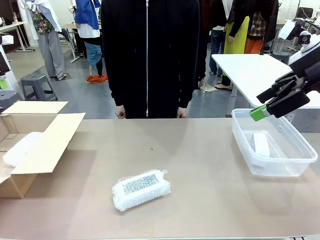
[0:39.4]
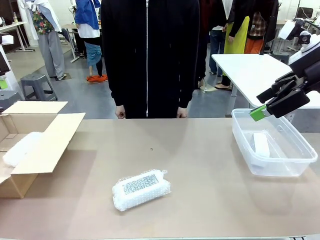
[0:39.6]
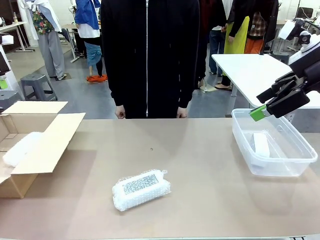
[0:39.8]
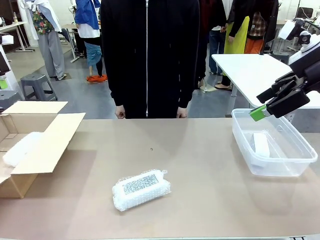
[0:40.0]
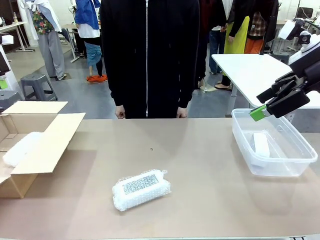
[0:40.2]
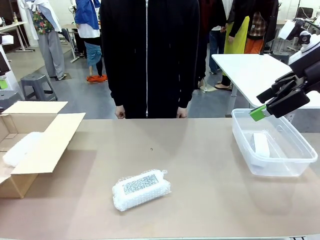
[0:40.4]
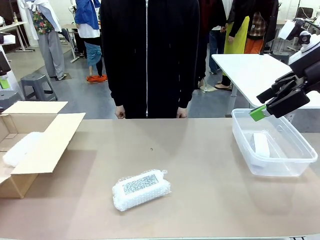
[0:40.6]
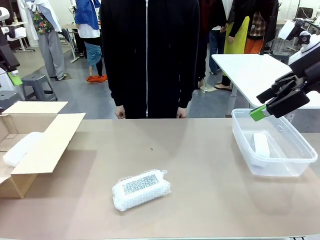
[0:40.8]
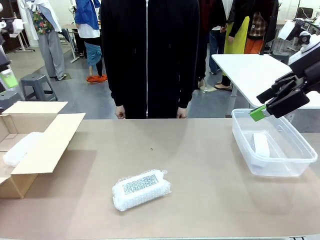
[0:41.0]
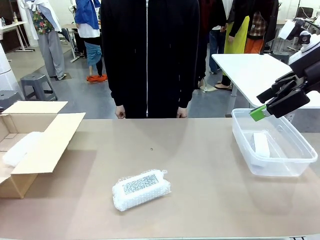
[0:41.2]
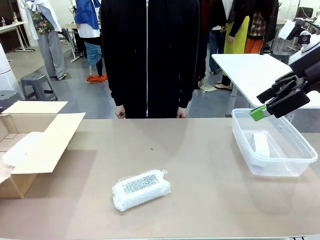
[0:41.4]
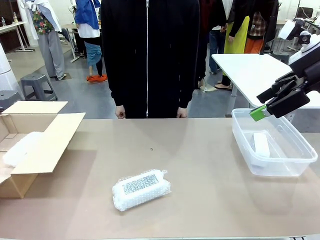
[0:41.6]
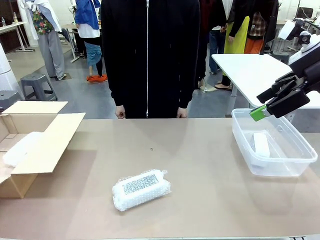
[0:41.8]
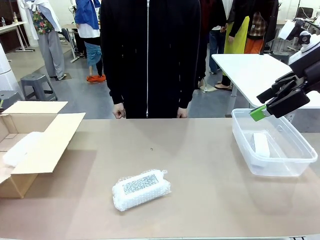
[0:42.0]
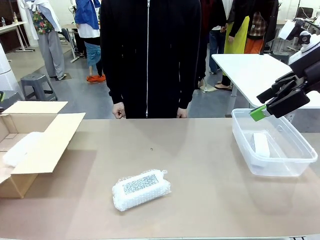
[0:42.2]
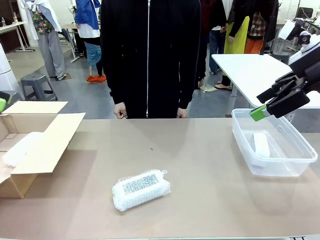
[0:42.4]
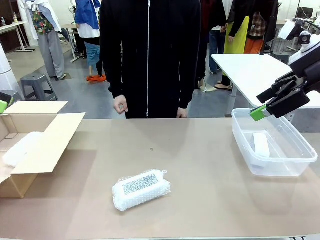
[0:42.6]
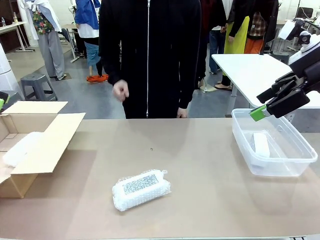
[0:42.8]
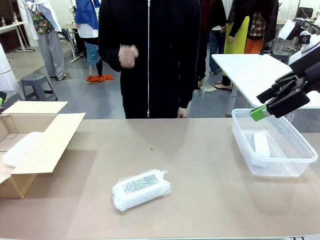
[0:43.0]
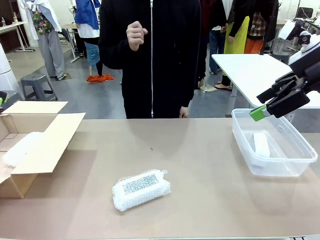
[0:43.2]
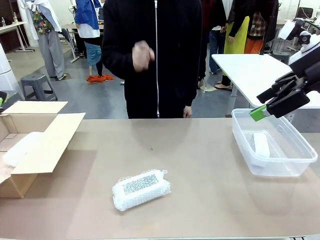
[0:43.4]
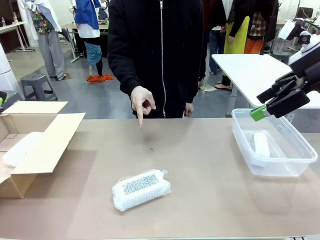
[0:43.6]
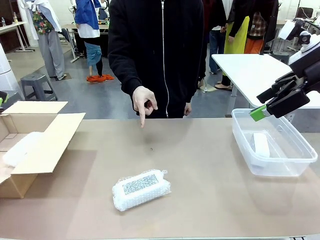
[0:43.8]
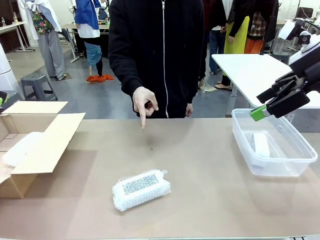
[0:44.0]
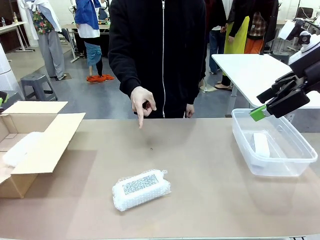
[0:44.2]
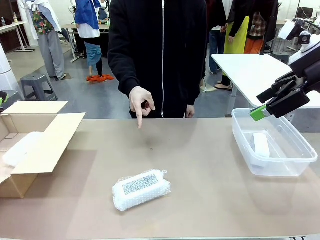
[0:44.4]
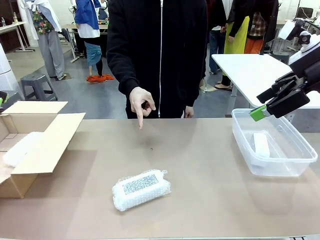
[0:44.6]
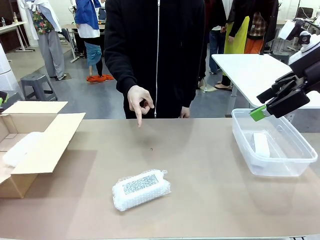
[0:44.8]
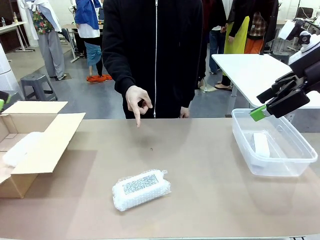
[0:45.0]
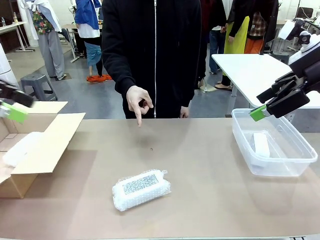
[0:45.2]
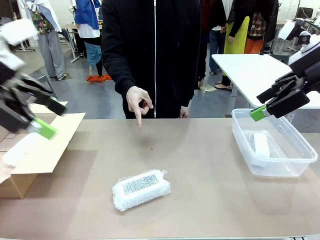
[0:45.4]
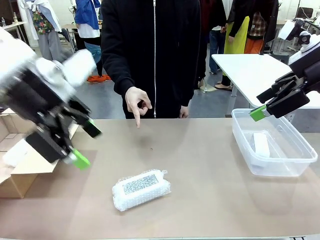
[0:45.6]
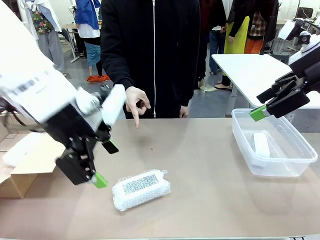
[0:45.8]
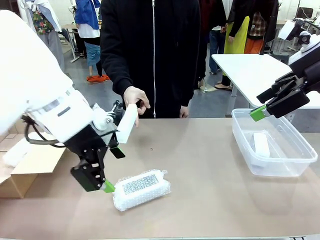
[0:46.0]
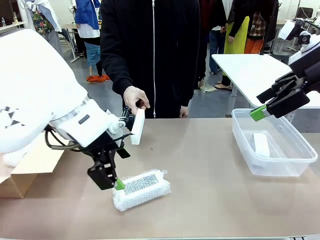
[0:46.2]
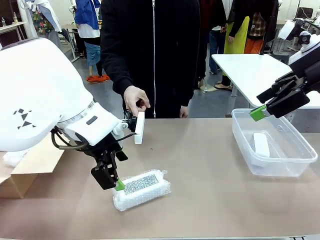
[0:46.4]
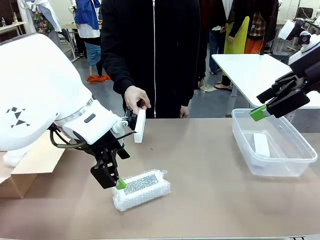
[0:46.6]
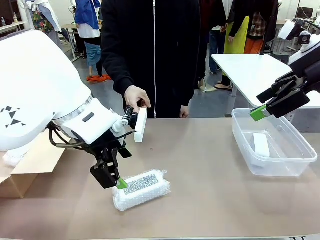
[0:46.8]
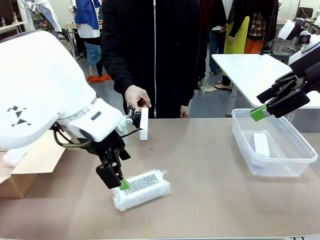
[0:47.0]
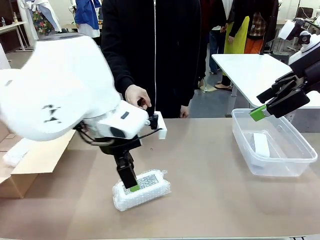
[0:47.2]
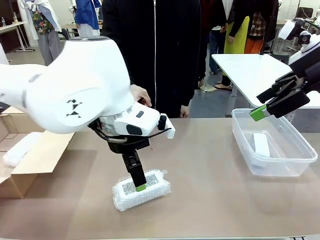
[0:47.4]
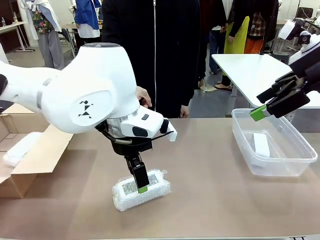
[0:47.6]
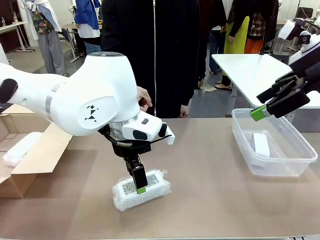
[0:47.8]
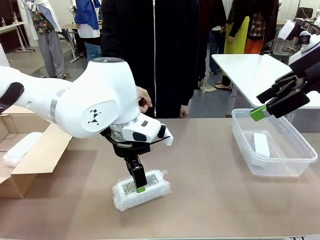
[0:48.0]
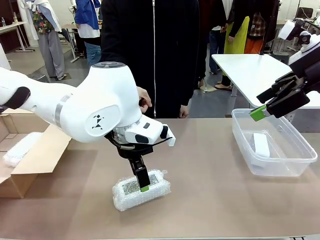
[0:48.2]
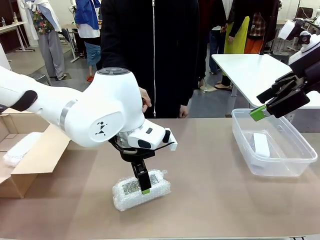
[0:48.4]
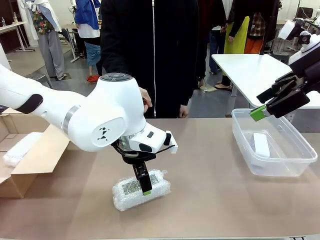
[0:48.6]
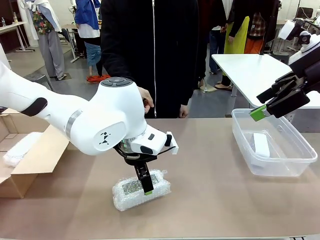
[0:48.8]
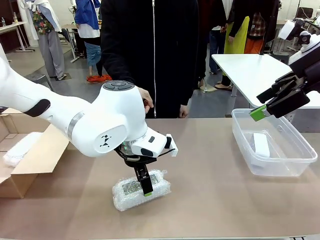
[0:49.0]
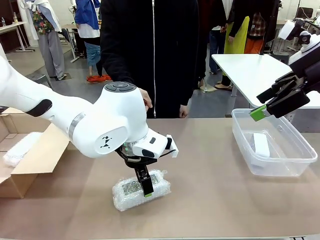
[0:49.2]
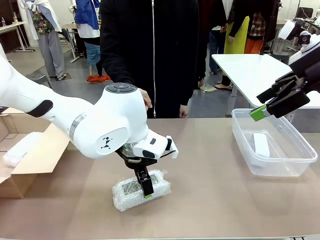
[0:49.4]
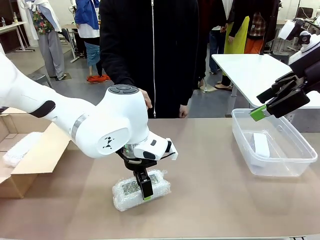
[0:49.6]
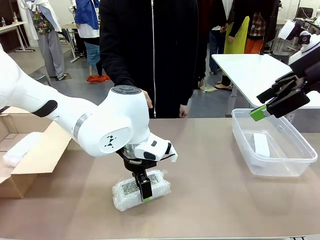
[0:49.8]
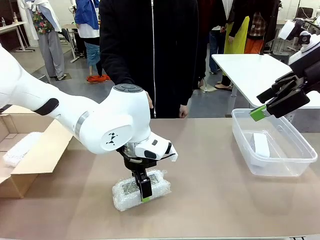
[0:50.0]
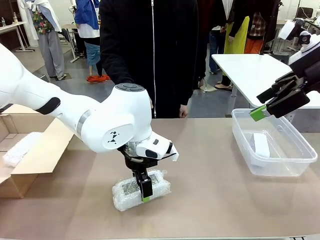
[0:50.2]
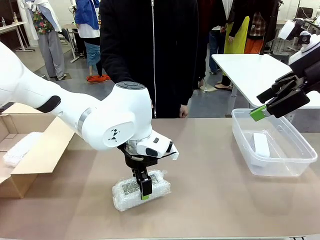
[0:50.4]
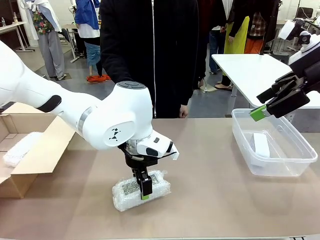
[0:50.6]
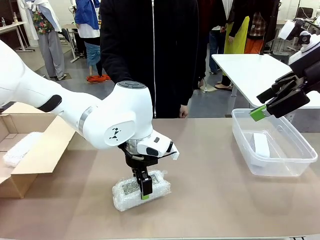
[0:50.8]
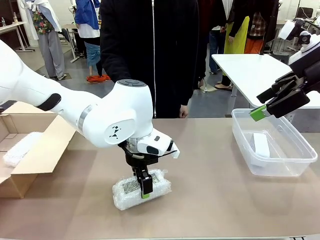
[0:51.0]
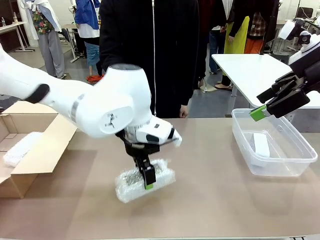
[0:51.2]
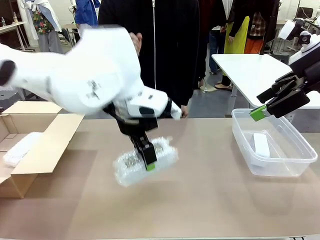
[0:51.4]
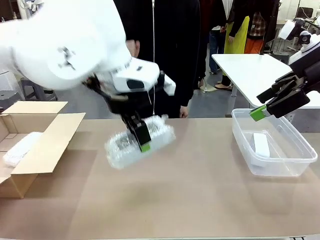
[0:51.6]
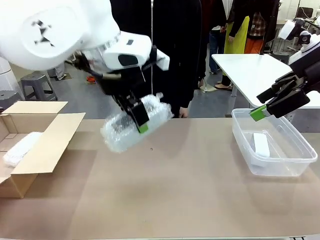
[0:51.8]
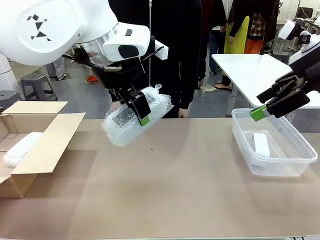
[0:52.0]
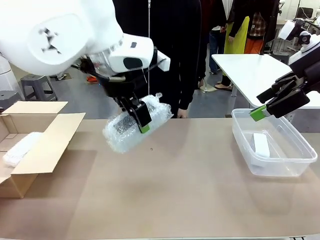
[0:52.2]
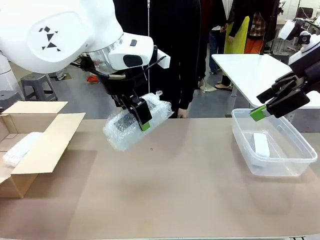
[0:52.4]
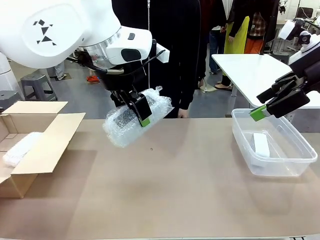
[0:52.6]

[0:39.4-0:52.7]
Task: Separate and place wrapped and unwrapped clocks.
Robot: Pick up the Digital clock indicated by the person.

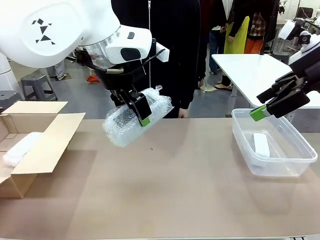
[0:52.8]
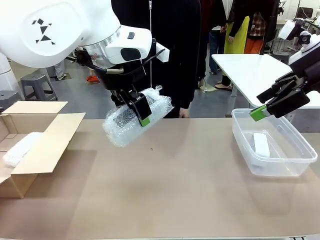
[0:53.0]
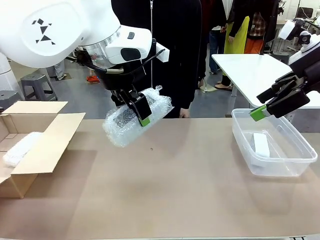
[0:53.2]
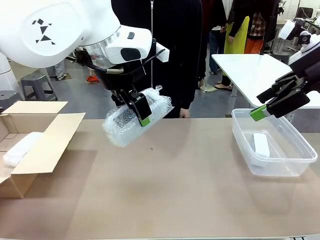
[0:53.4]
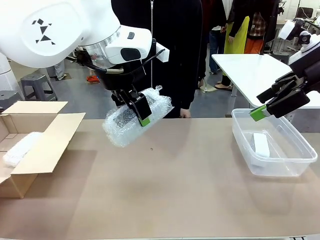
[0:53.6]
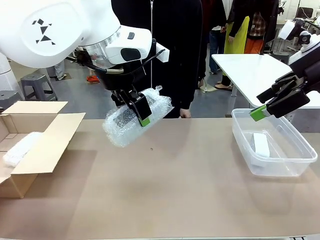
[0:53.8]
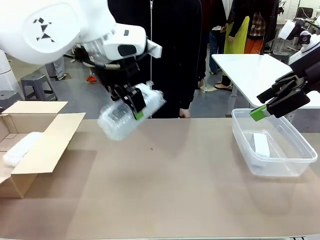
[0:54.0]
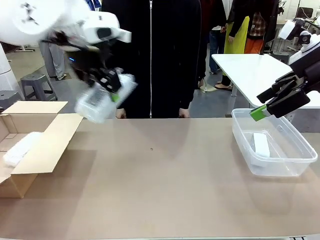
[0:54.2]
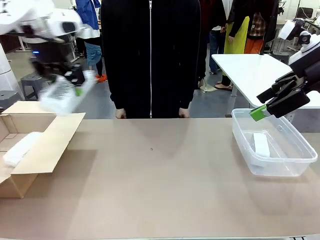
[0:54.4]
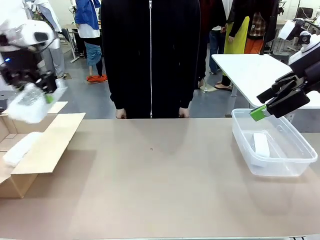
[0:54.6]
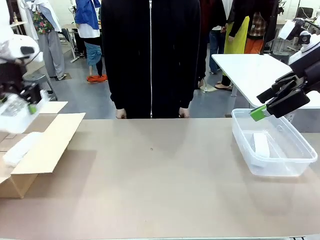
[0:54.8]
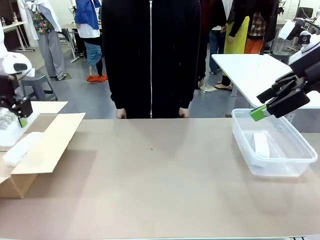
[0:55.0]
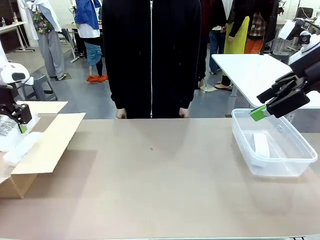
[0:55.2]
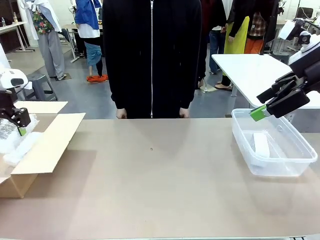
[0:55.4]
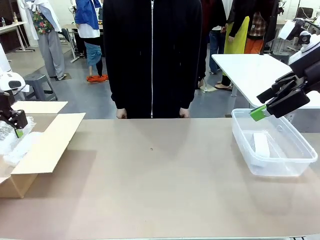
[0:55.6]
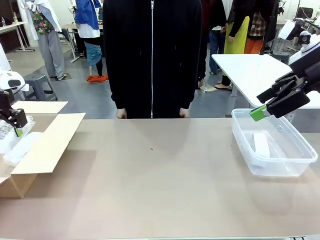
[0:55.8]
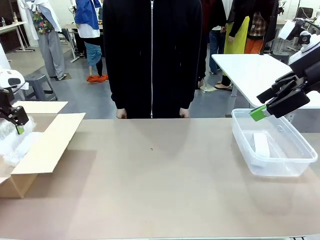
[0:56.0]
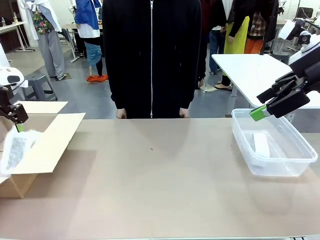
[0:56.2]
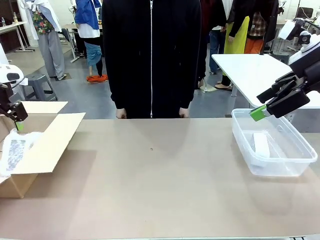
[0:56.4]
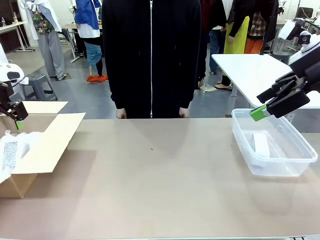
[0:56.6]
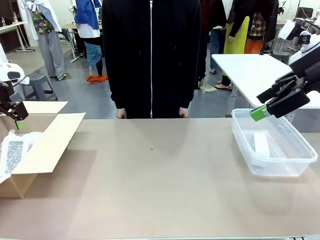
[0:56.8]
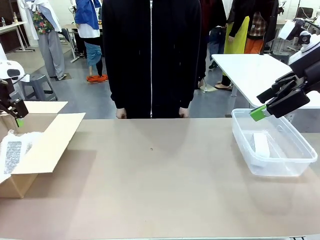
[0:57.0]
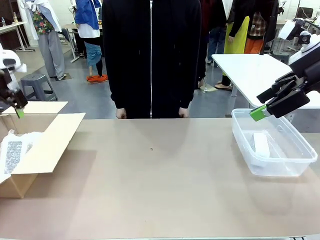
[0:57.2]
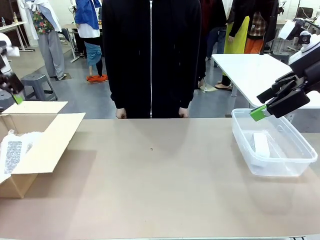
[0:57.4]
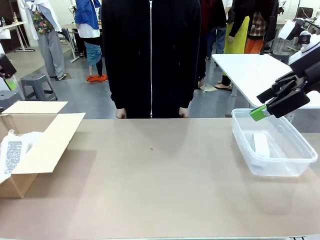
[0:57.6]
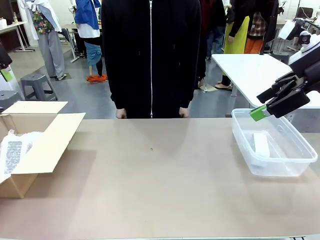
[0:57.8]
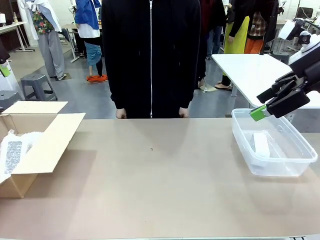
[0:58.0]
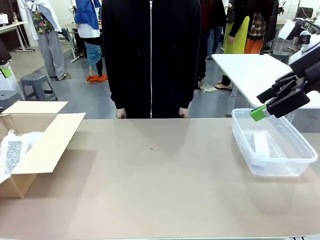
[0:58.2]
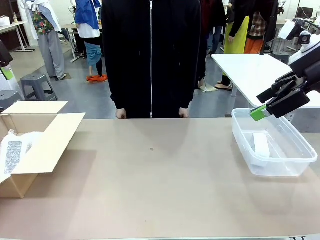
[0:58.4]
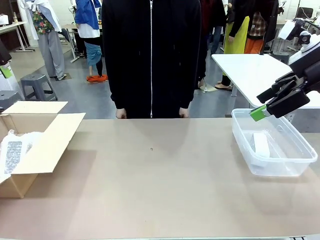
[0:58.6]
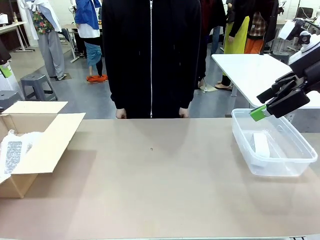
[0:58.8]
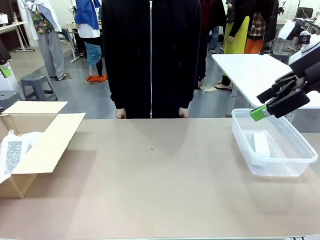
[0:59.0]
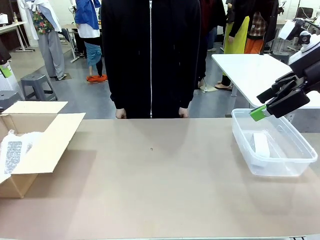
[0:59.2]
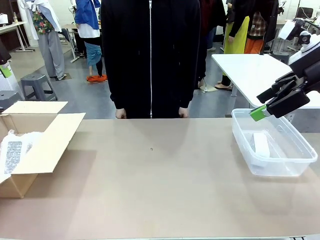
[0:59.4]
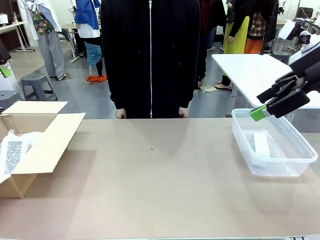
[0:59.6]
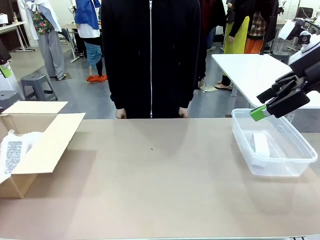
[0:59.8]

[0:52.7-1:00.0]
Robot: If the picked Digital clock is wrapped, place it in the Package Box ; if not, place it in the Organizing box.
